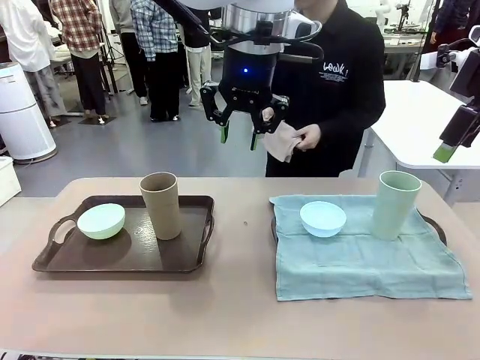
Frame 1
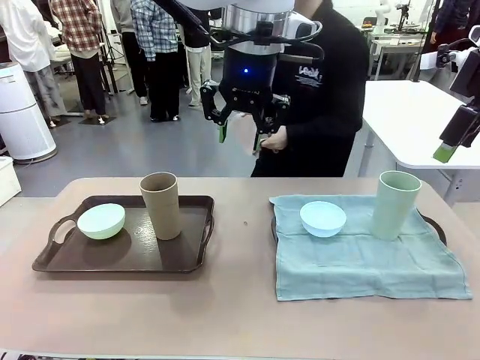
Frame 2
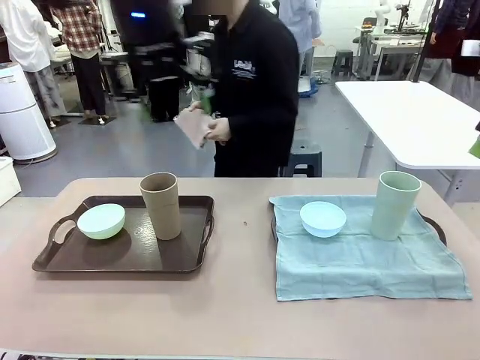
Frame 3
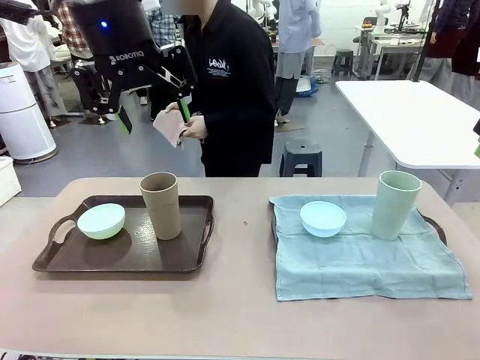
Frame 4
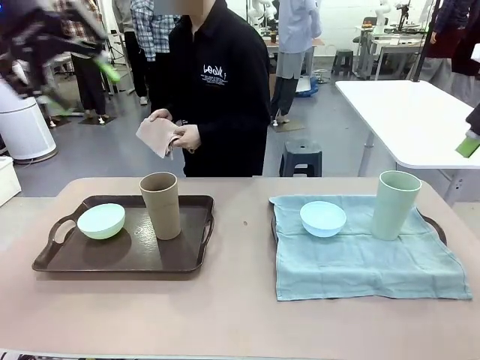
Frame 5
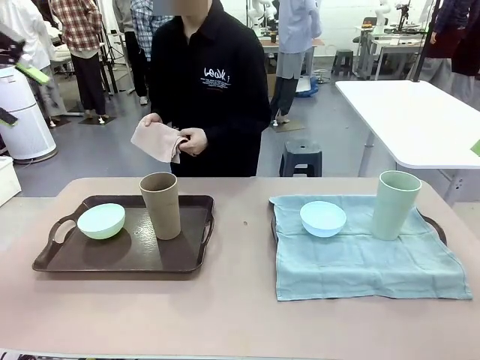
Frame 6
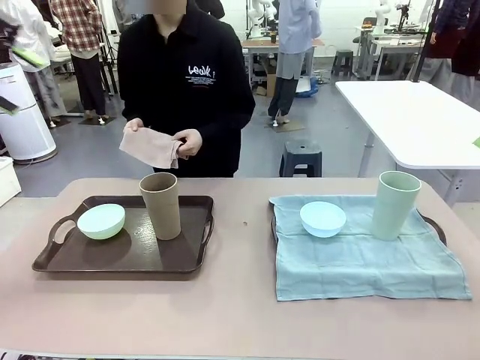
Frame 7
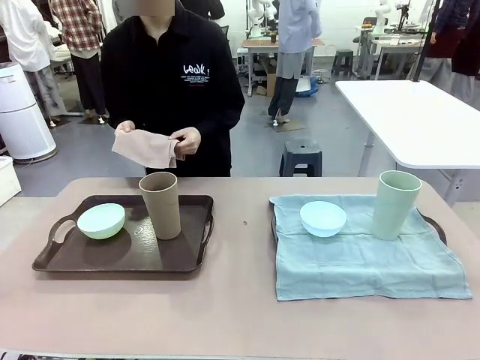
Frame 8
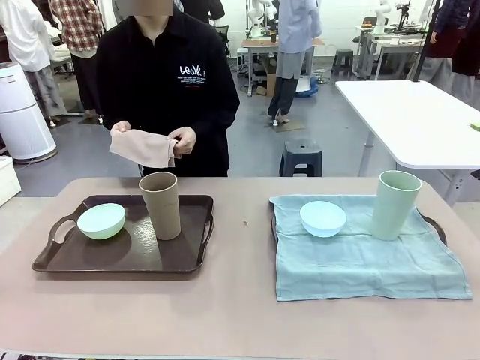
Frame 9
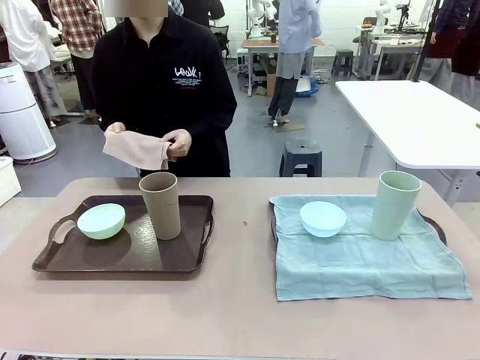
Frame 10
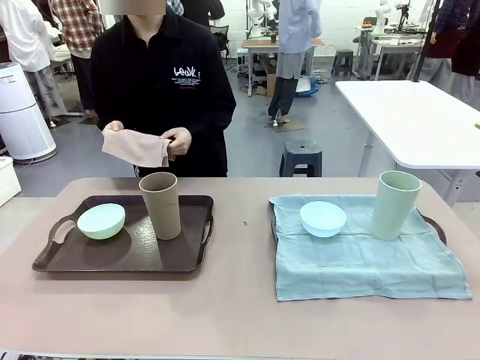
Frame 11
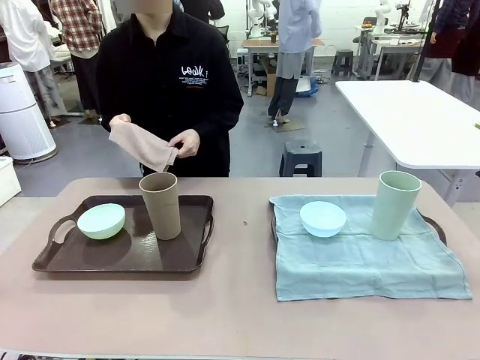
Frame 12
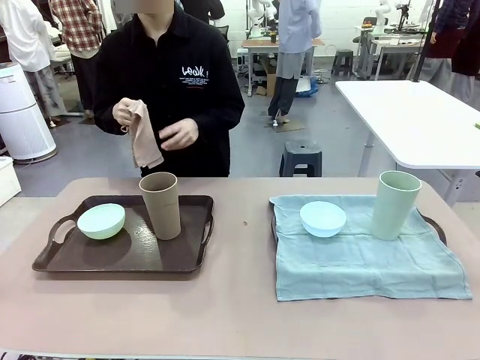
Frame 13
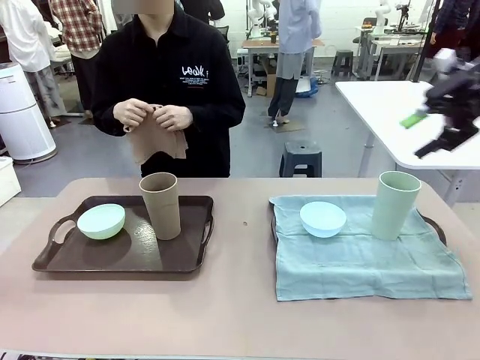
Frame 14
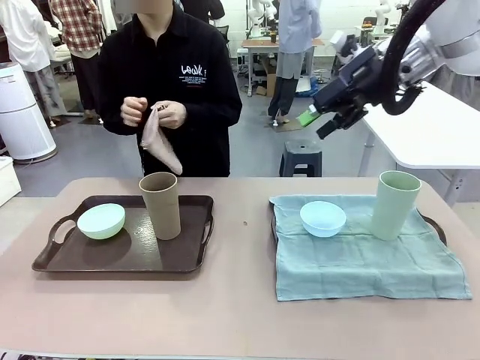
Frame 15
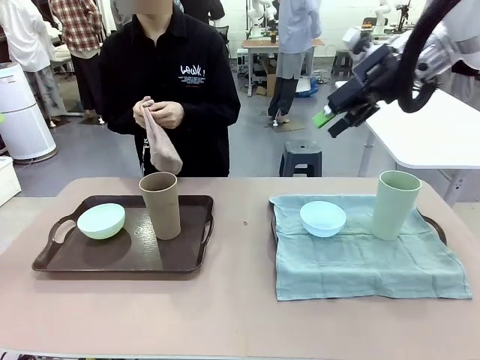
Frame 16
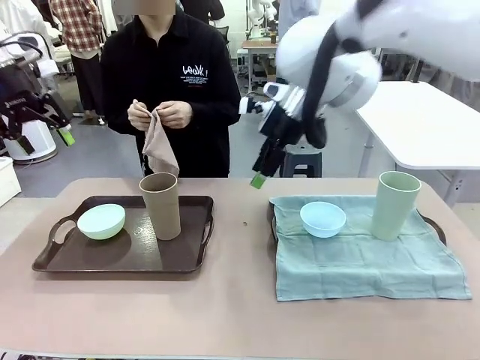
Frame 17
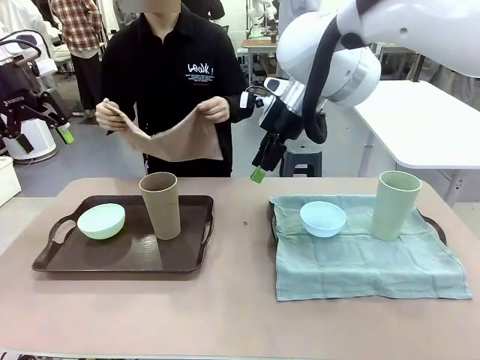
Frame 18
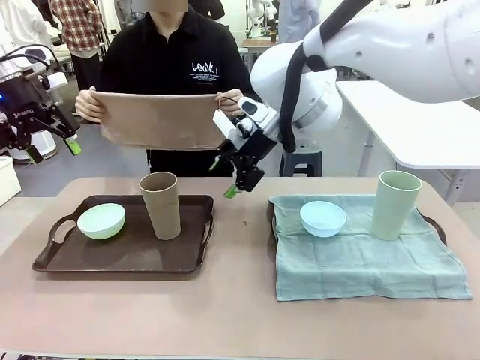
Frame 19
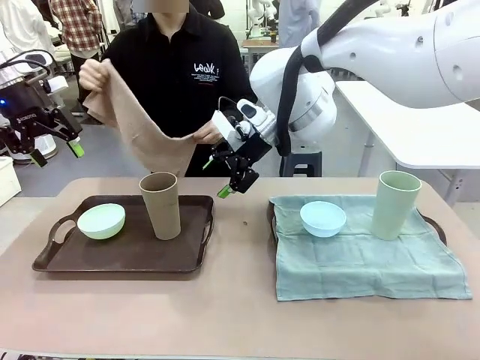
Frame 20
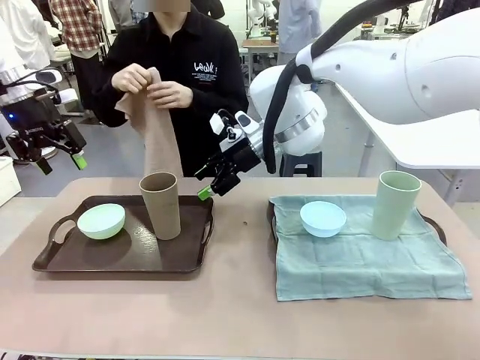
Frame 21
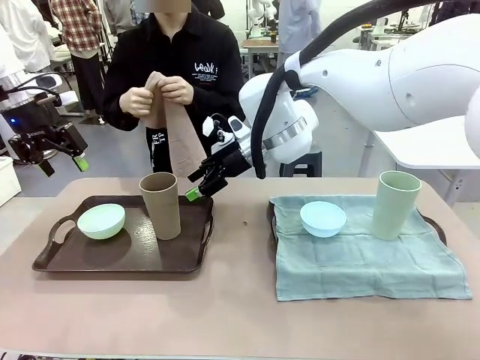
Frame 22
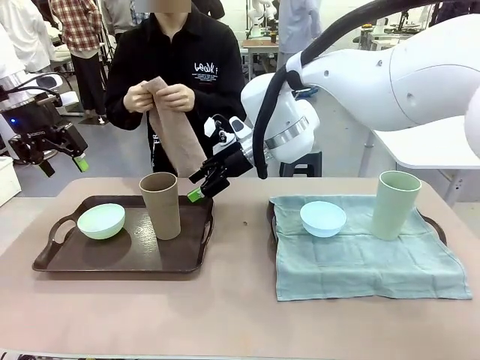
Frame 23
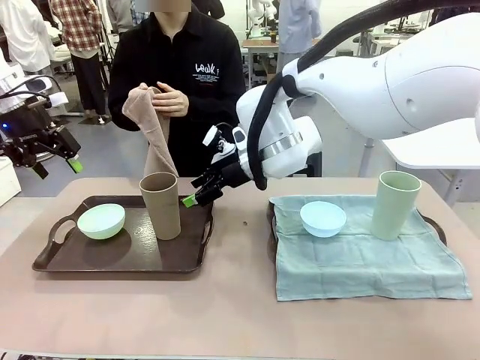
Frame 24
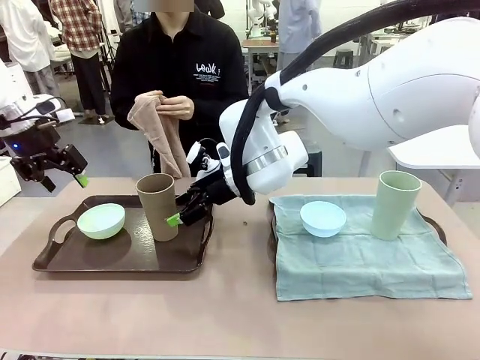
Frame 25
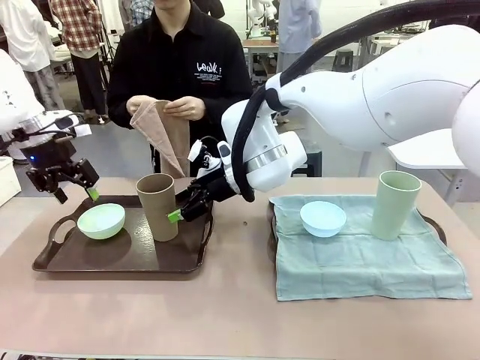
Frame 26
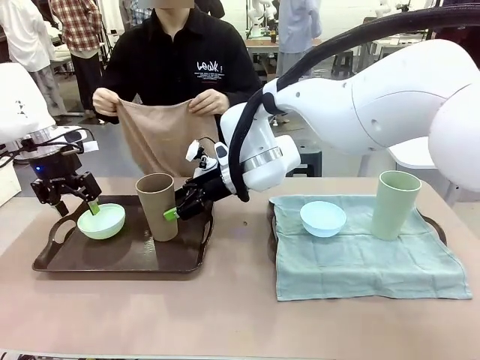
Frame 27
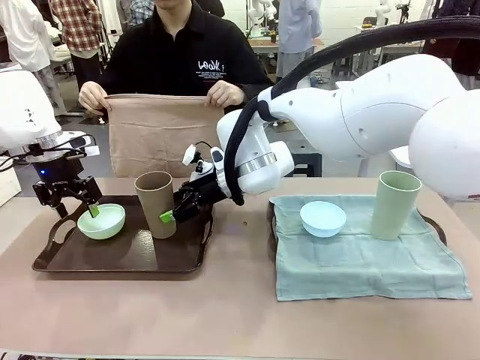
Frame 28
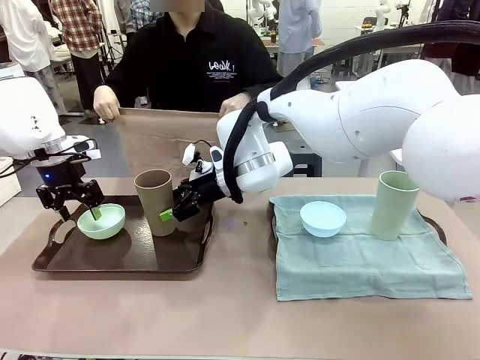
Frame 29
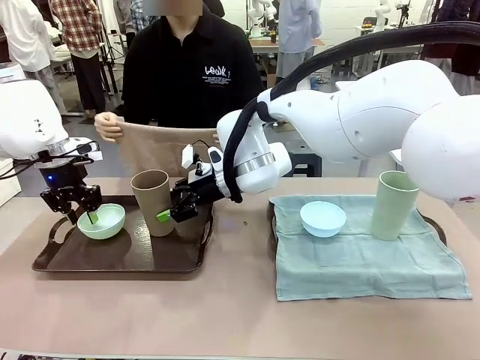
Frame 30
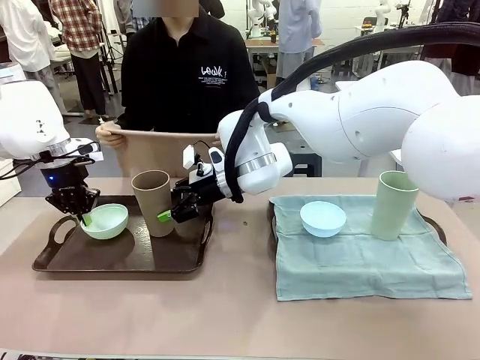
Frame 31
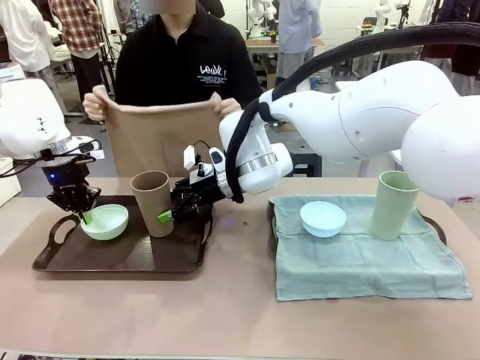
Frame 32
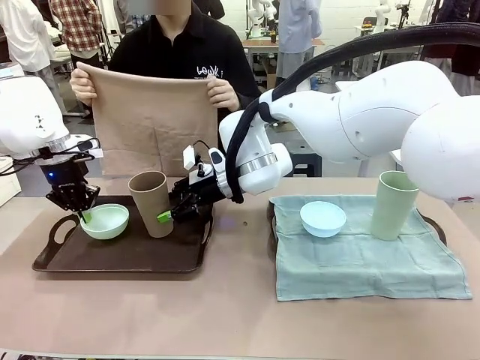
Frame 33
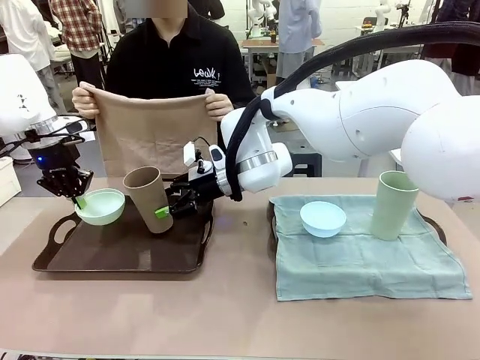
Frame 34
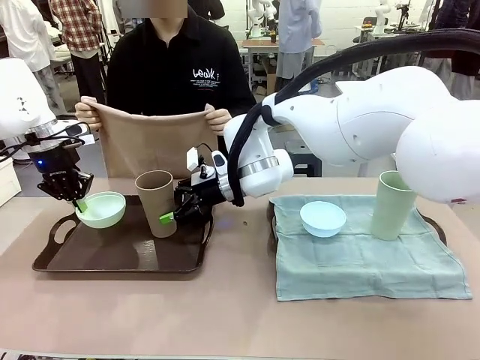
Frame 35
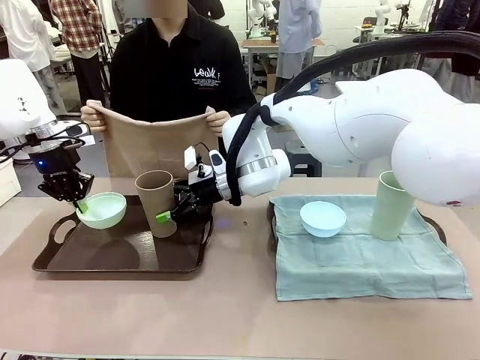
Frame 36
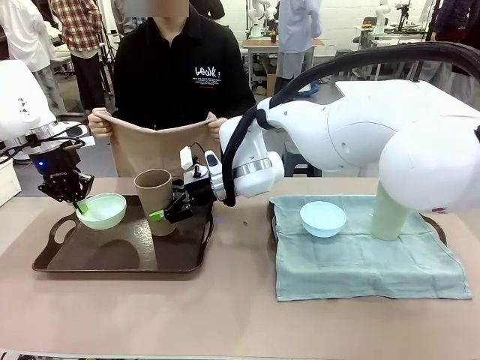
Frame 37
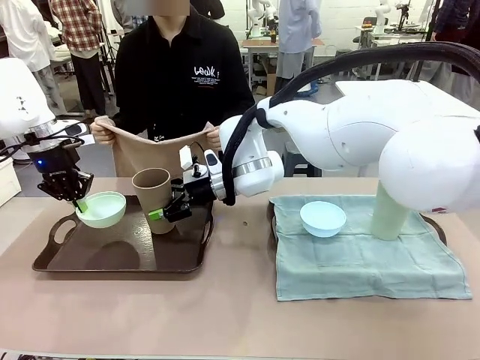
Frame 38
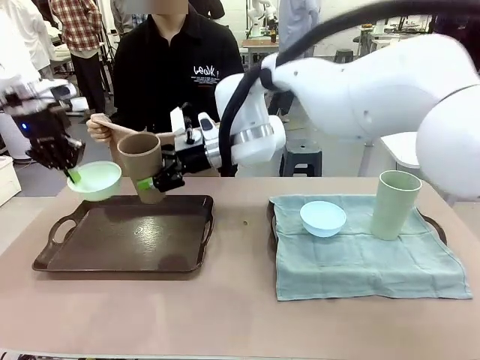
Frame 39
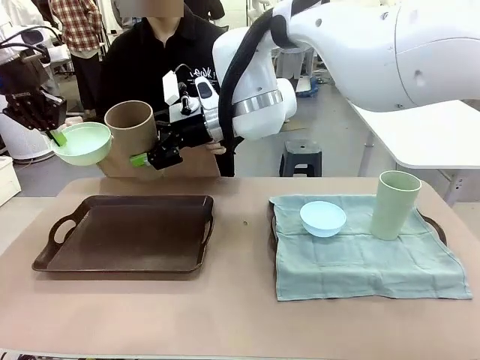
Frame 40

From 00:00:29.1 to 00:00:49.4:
Robot: Pick up the Picnic Bowl and Reusable plastic cup from the Handle tray in front of the human's position and hold them in the air.
Person: When the robot lifts the bowl and the cup, the human unfolds the napkin and lays the napkin flat on the tray.

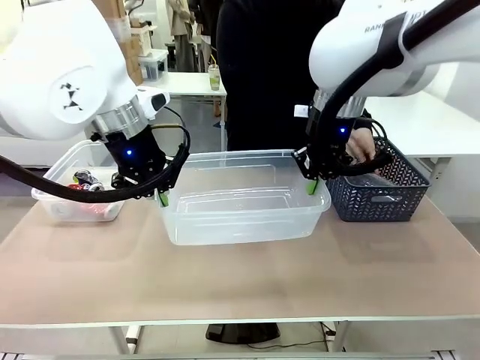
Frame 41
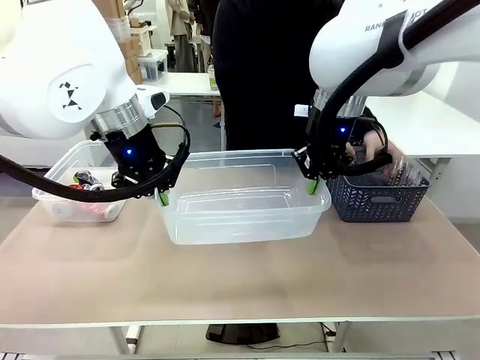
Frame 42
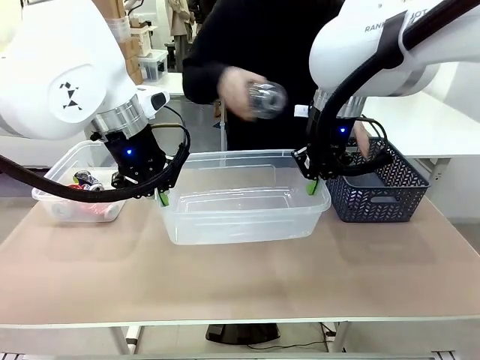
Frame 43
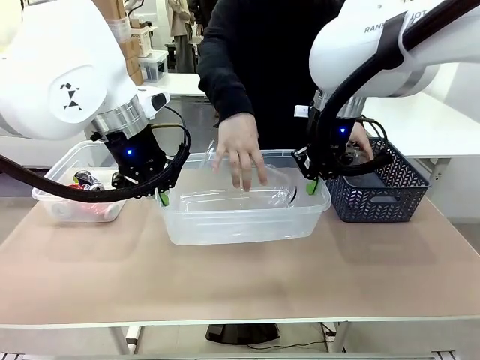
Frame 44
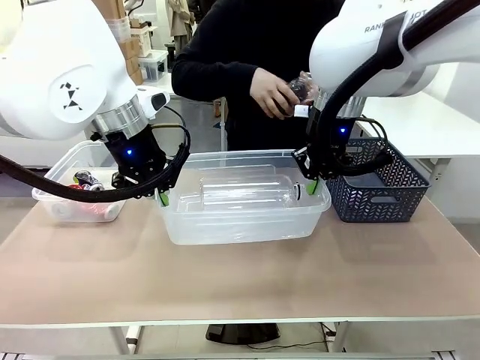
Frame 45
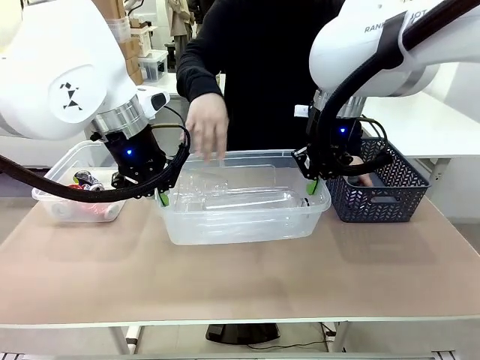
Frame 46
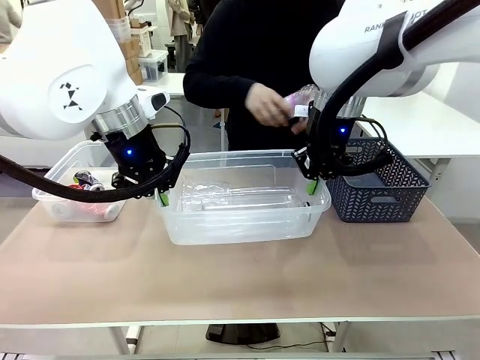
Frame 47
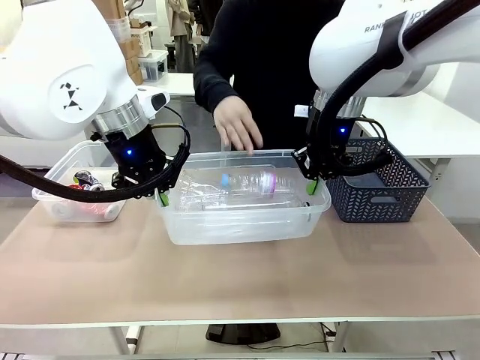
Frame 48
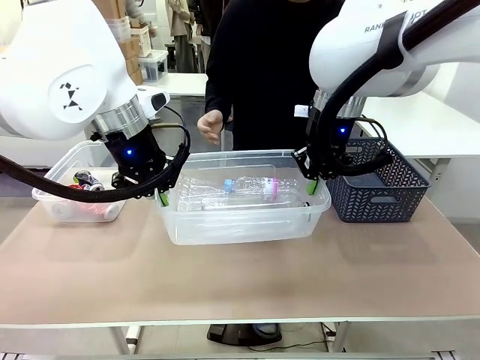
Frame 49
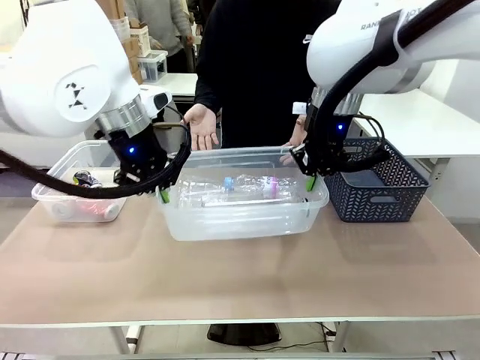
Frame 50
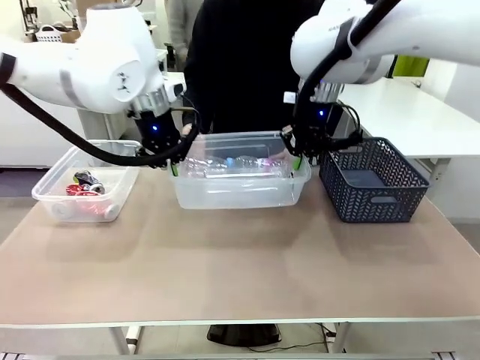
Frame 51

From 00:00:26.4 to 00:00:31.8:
Robot: Offer the picked Organizing box to the human.

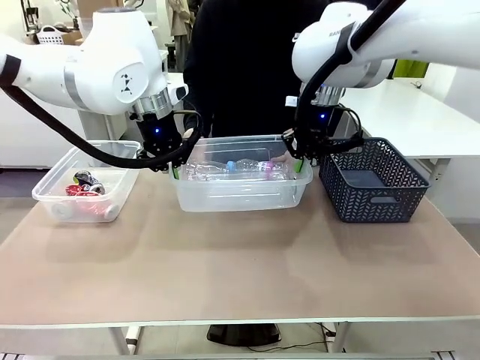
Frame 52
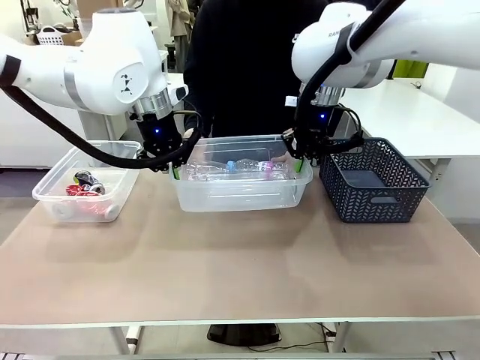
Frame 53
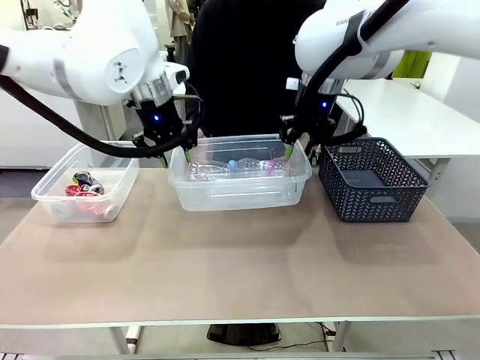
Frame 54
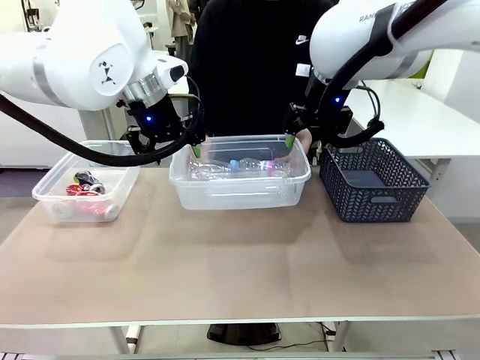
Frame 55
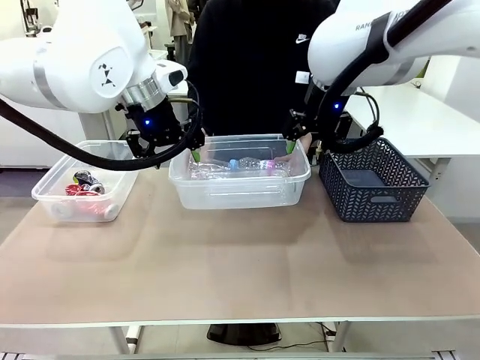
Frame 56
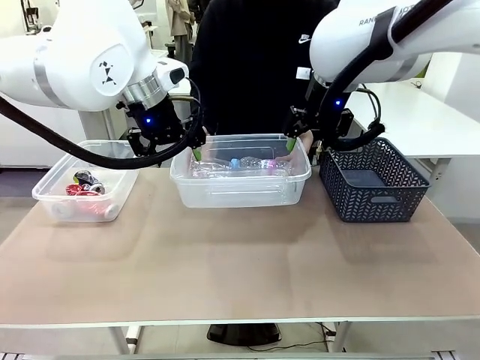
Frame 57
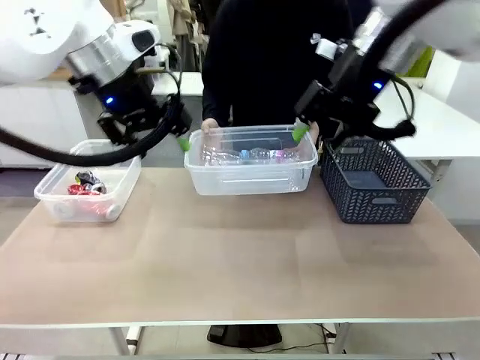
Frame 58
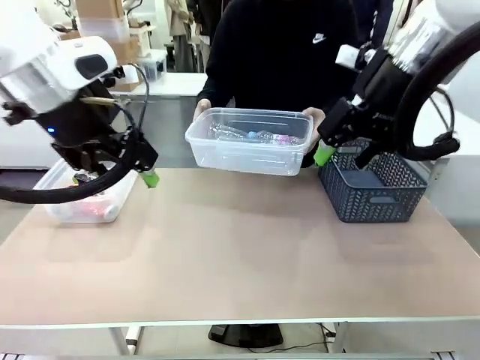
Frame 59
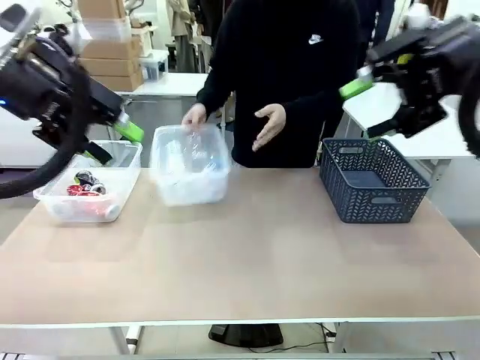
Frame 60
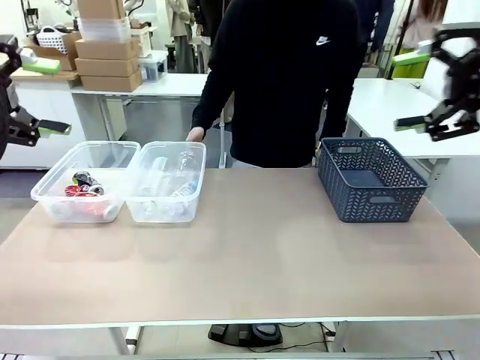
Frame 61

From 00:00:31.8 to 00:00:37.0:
Robot: Release the Organizing box you were holding.
Person: Pick up the organizing box extended by the robot. Place the organizing box to the left of the sorting box containing the can waste.
